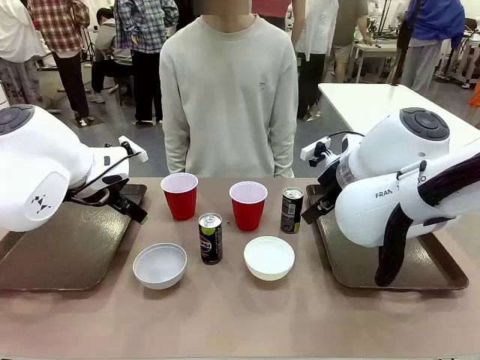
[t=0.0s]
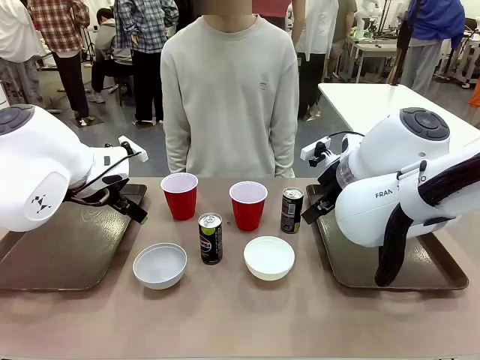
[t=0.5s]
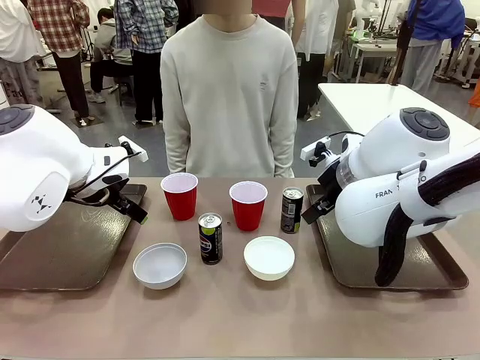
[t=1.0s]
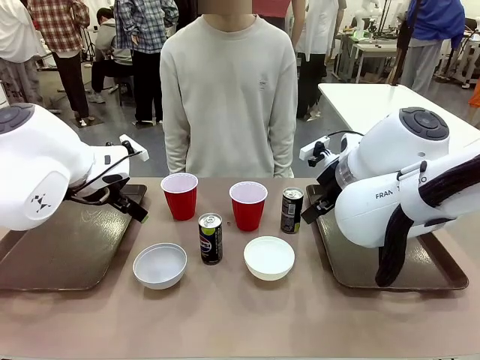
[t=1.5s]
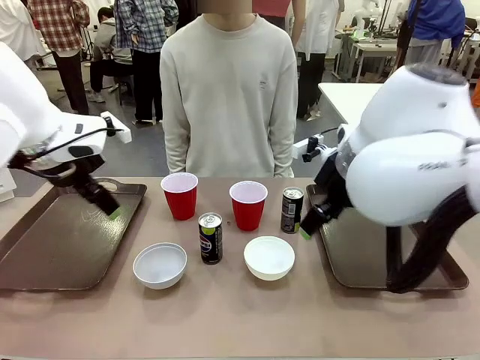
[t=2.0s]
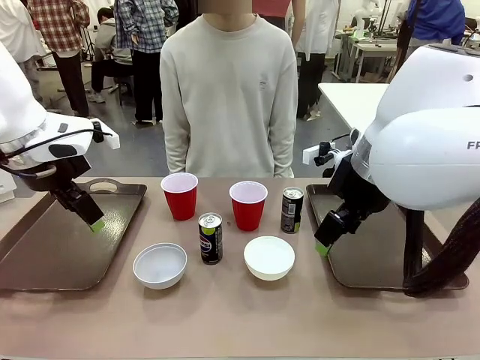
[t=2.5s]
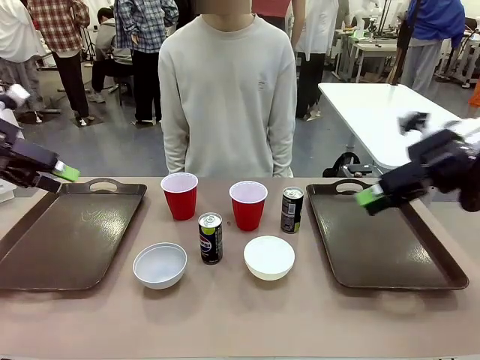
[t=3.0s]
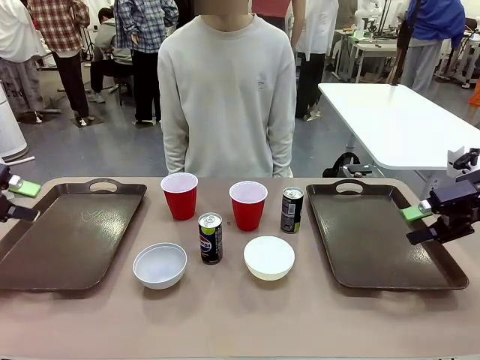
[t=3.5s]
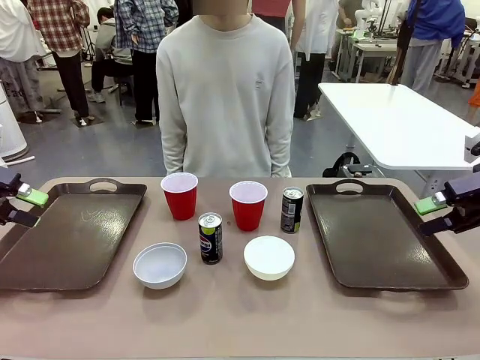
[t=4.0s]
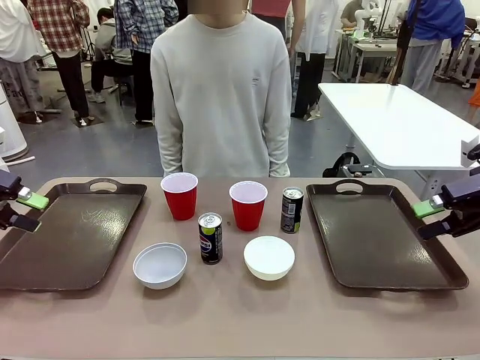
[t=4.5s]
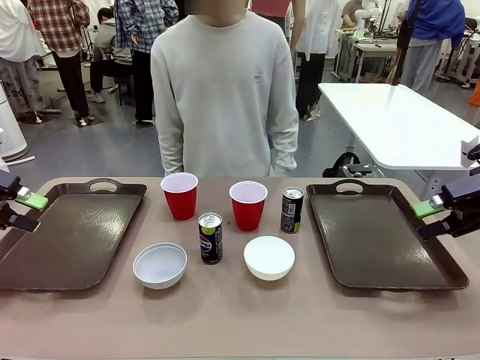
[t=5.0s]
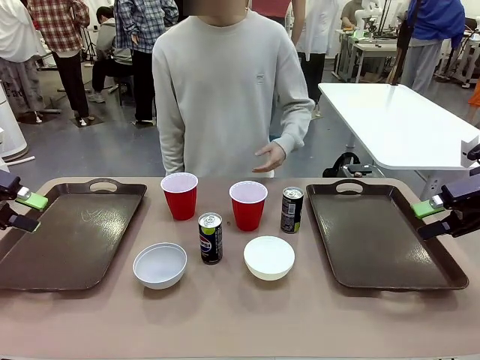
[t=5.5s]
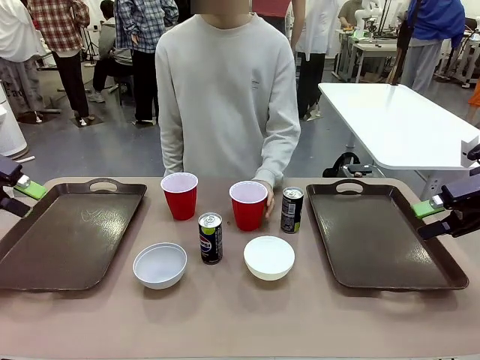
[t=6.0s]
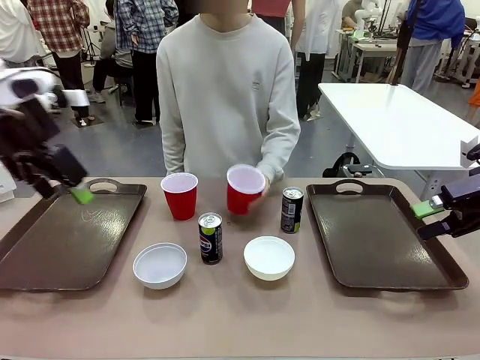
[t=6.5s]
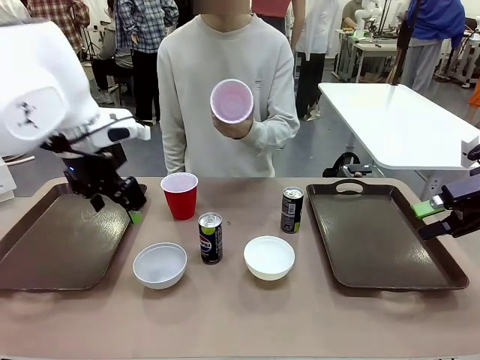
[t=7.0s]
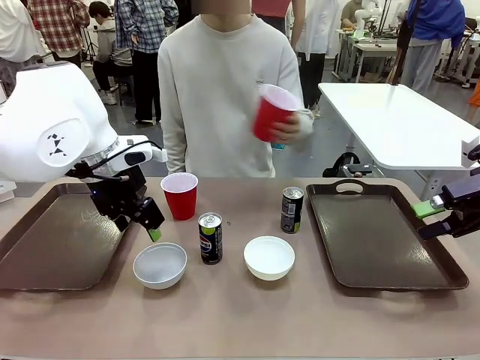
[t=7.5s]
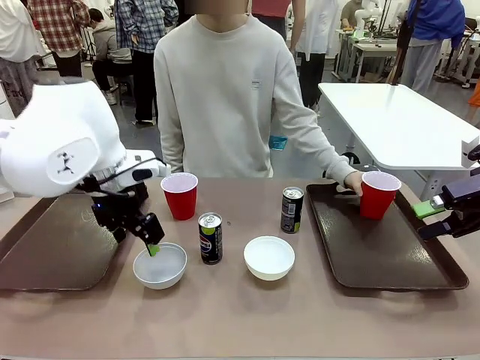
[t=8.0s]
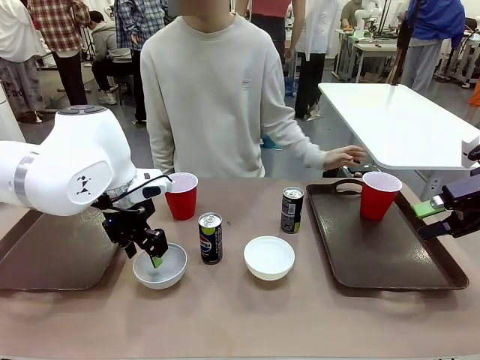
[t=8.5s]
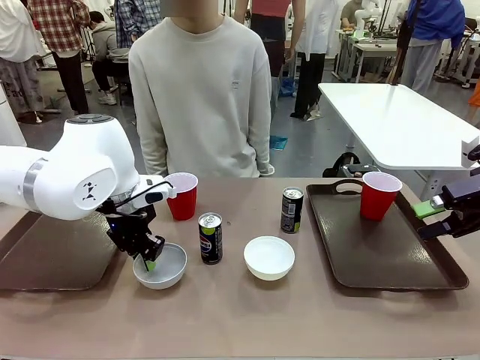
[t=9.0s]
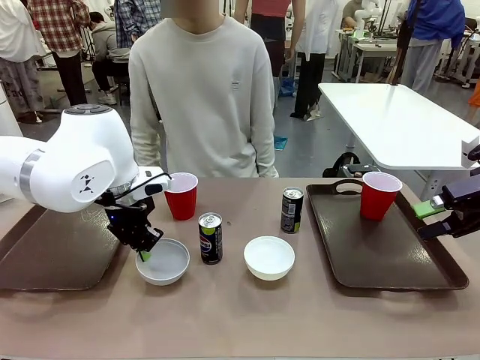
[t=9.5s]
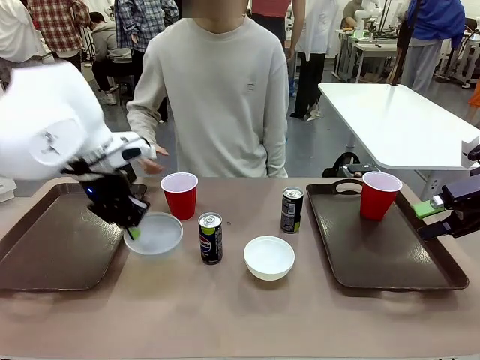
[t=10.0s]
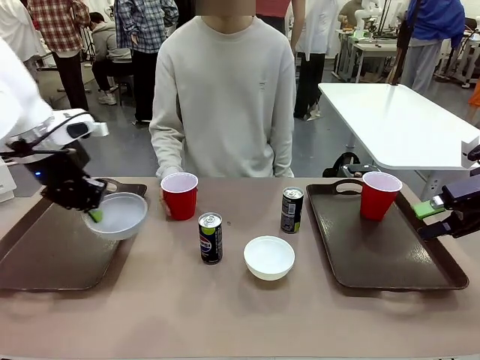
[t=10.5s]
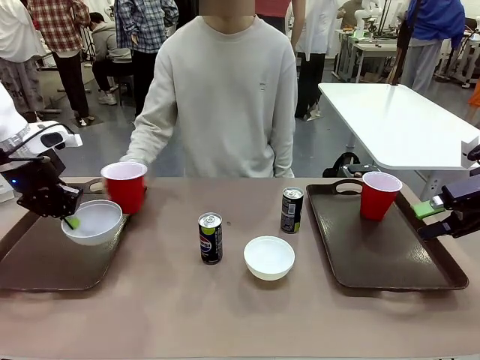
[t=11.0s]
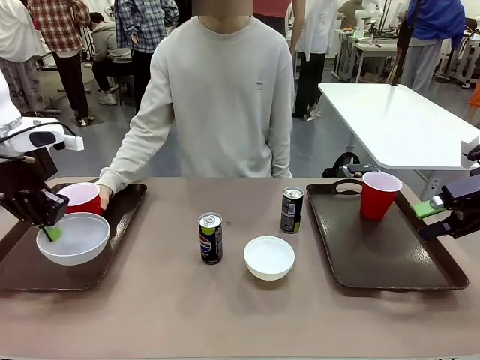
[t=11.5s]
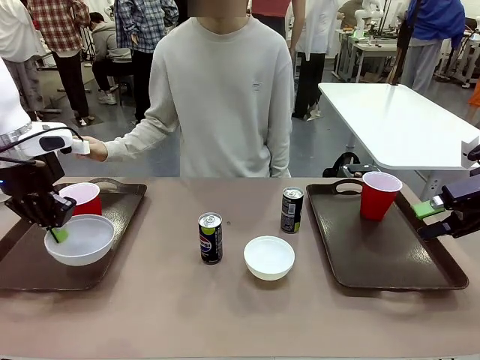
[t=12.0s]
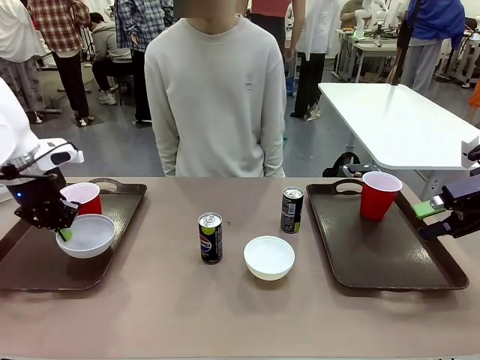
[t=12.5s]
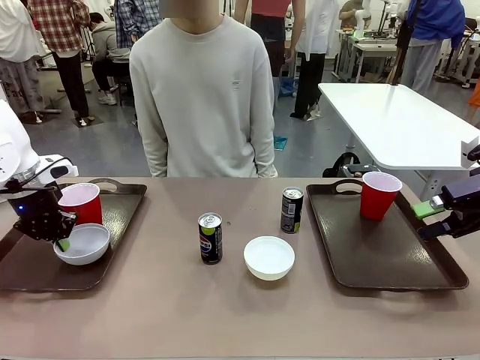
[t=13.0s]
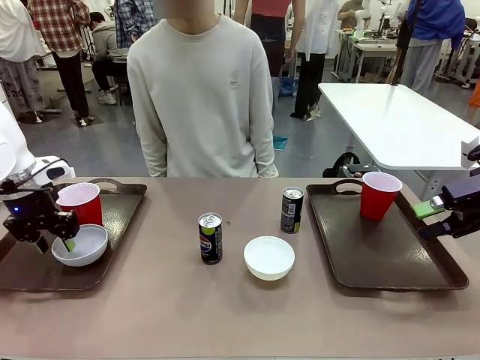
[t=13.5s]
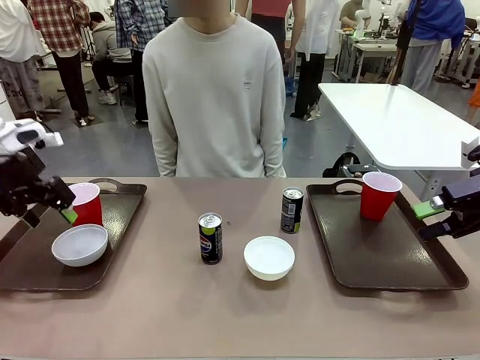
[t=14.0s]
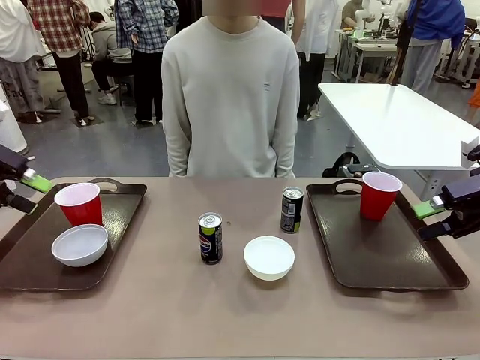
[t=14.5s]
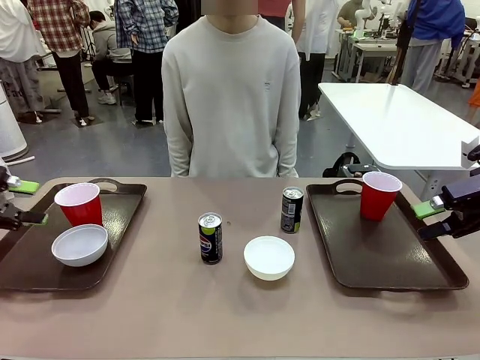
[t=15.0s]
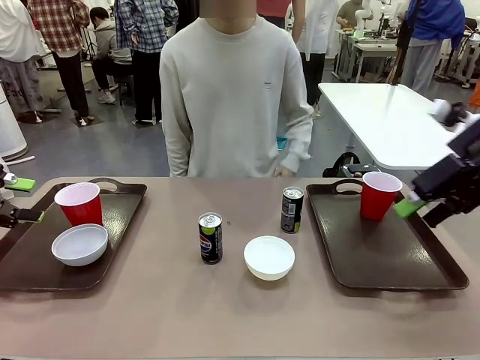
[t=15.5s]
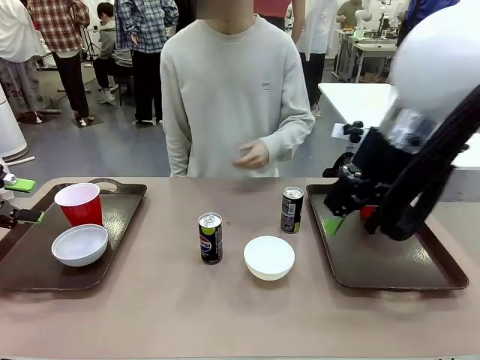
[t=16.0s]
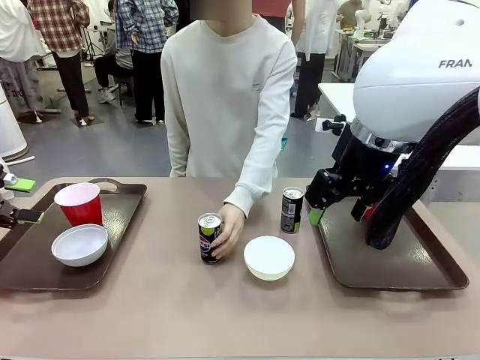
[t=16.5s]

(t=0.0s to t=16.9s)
Task: Prepare tableware on both trays.
Robot: Pick up a Picnic Bowl from the table and place it on a Handle tray.
Person: Pick up a can or cup and place it on the tray.
